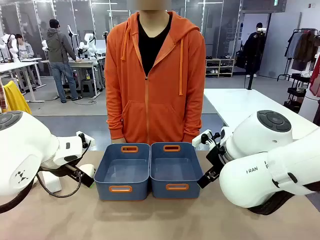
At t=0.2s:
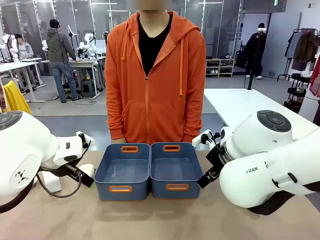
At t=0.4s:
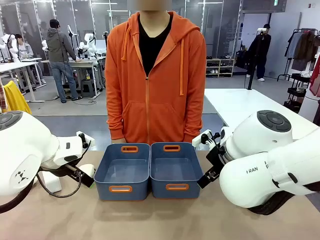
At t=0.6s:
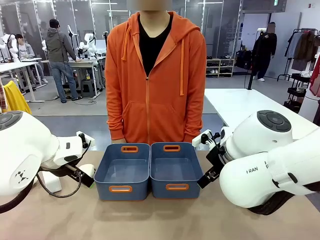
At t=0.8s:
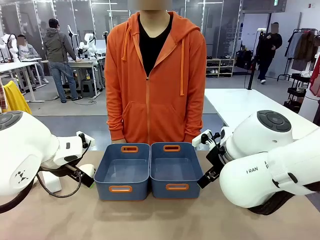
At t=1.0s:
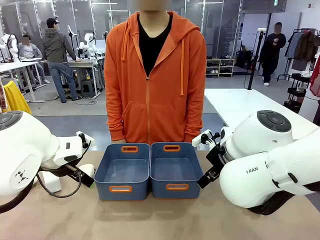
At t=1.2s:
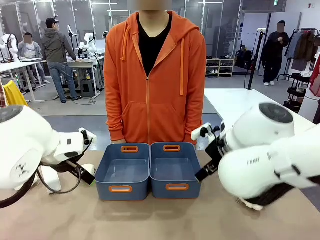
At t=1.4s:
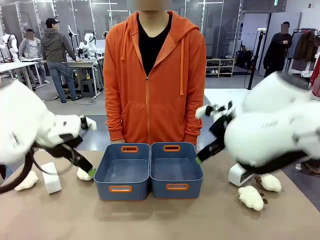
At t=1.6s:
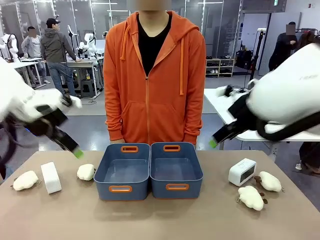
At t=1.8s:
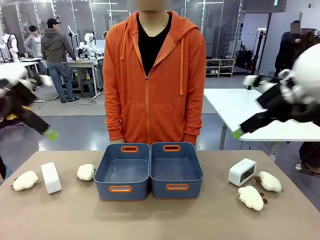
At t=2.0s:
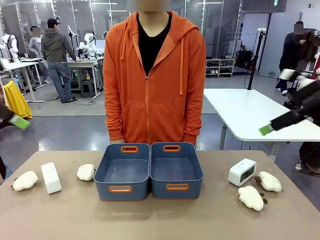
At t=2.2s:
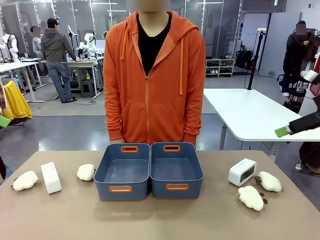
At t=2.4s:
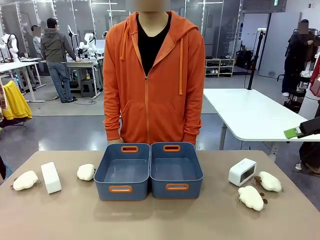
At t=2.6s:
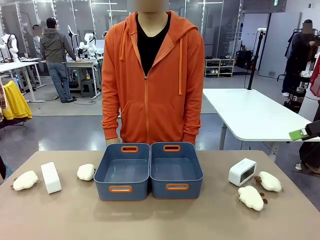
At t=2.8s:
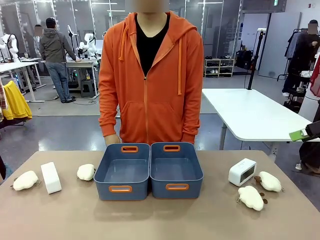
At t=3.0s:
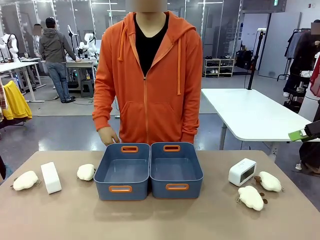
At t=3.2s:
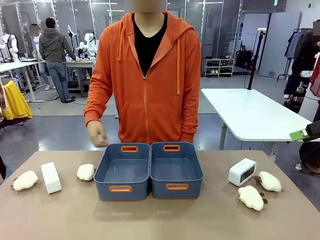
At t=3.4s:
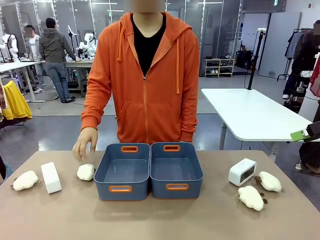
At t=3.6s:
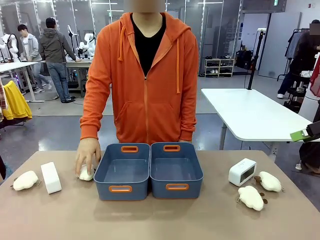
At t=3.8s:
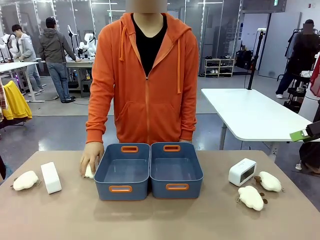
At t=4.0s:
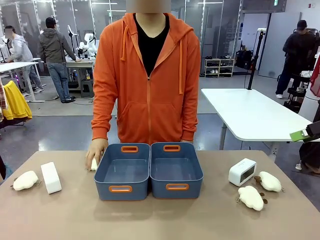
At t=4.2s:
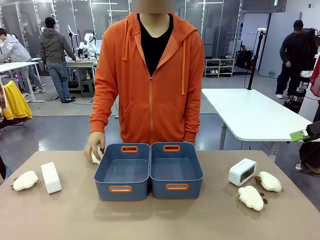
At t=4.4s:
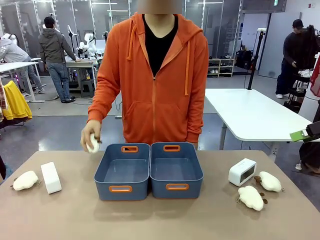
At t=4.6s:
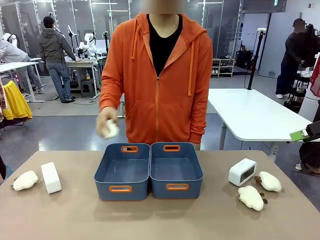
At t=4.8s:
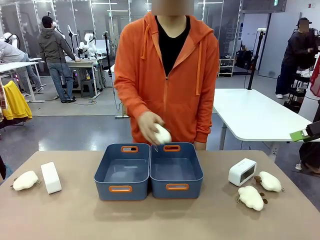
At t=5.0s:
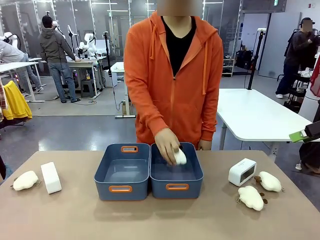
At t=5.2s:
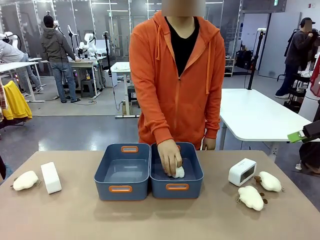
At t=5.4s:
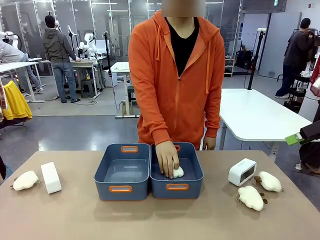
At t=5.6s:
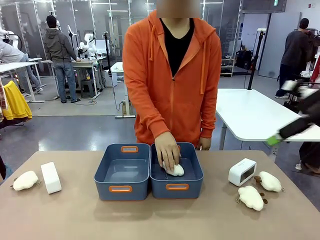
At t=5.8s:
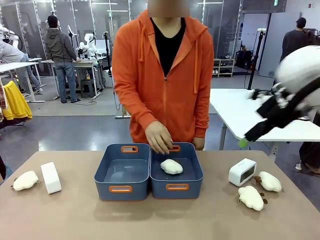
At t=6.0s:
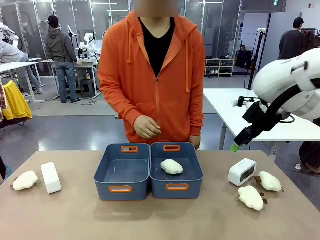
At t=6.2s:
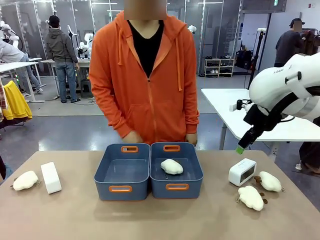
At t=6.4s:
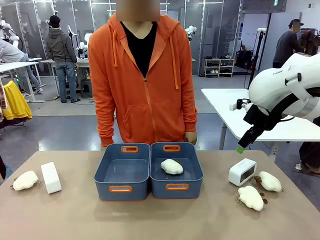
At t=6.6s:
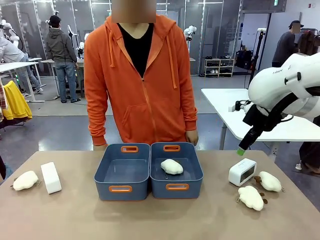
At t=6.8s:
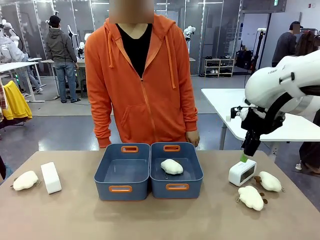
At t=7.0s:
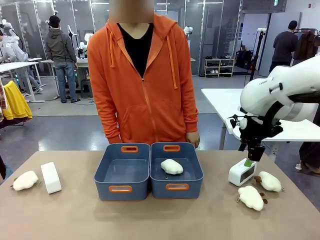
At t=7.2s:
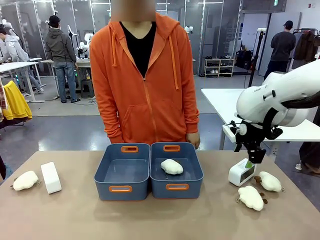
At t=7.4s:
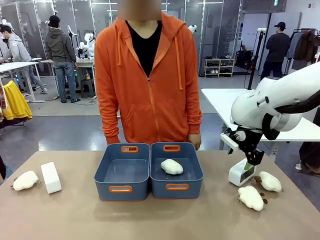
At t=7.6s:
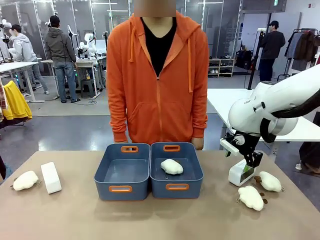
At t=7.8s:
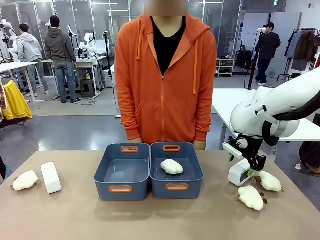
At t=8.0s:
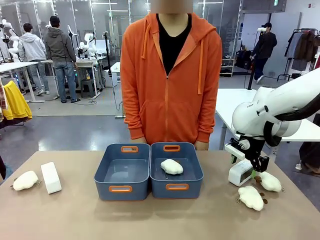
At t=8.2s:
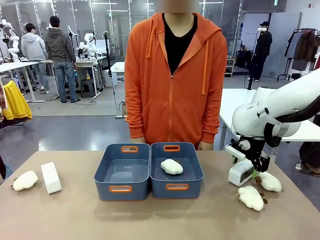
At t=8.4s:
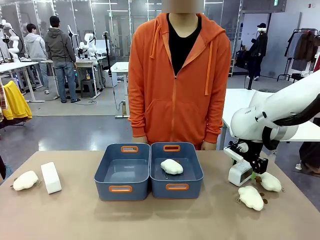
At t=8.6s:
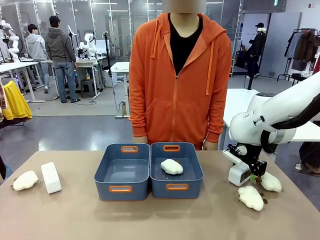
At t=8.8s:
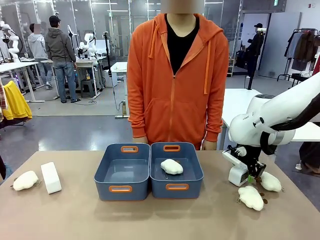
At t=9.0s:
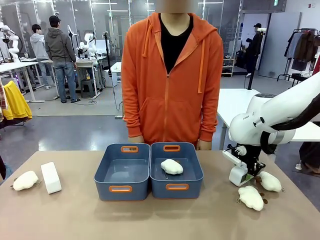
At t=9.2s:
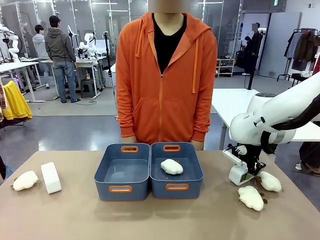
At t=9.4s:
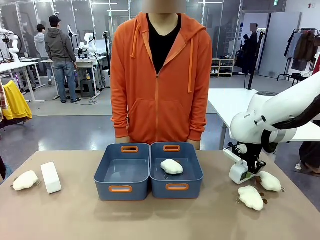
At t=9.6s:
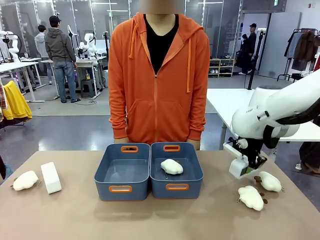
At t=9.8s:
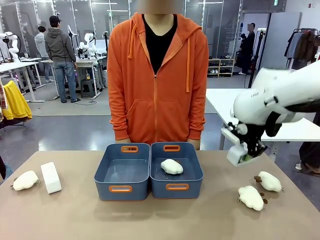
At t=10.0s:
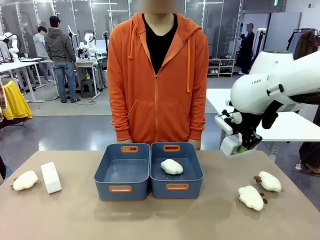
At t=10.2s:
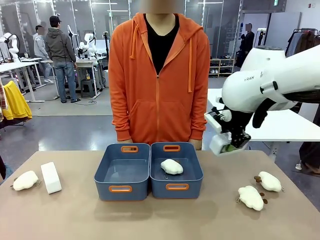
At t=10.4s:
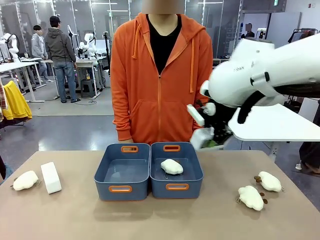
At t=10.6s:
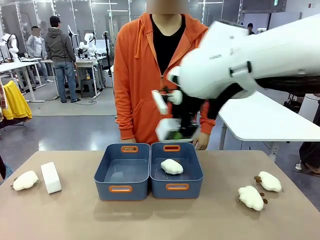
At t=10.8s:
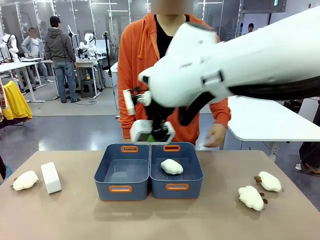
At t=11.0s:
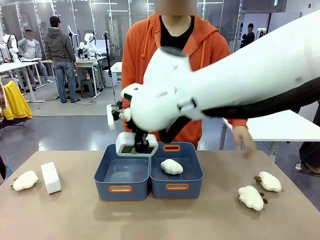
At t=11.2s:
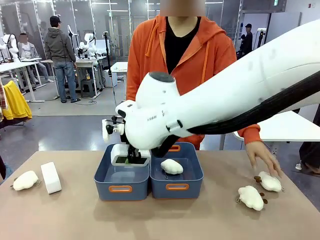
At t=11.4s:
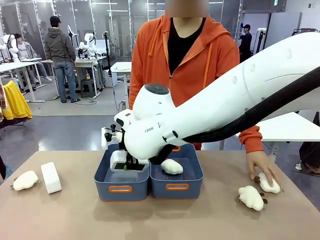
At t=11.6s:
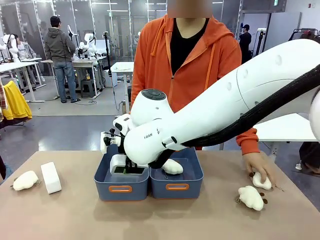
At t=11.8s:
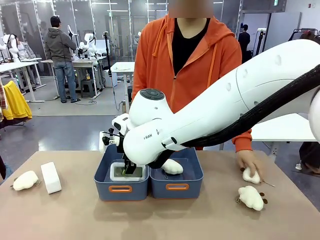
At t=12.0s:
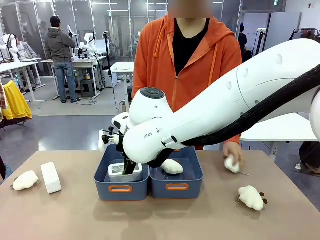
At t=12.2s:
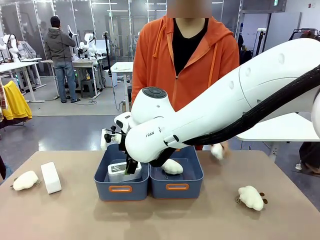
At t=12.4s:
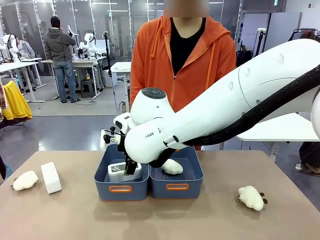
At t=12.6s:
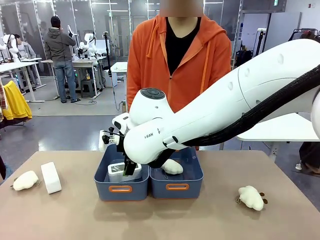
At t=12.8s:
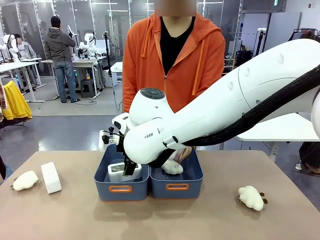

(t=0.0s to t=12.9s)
Task: Sort the digital clocks into the basket.
Robot: Pick up the Digital clock from the table and place it into the empty Plastic storage basket.
Person: Pick up a plush toy from the table and place it in a plastic storage basket.
